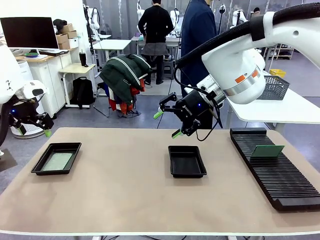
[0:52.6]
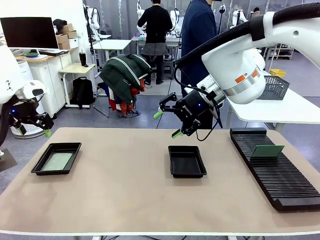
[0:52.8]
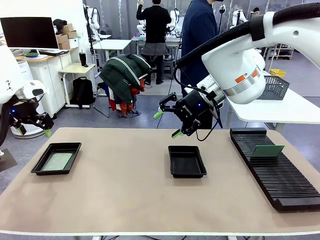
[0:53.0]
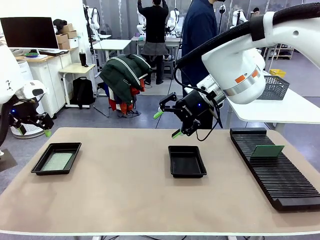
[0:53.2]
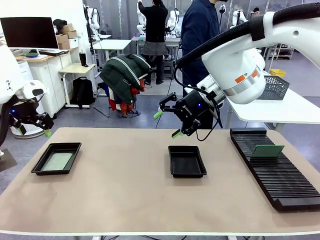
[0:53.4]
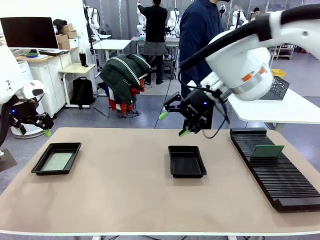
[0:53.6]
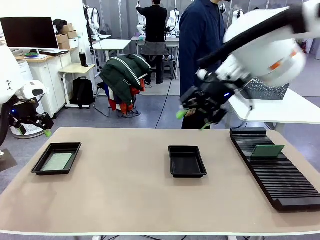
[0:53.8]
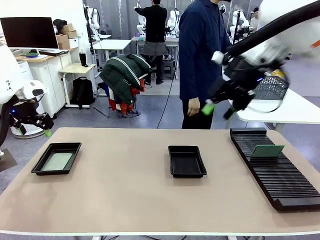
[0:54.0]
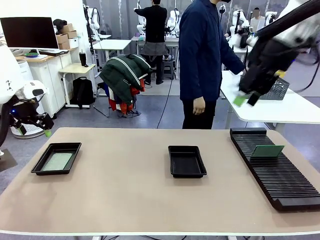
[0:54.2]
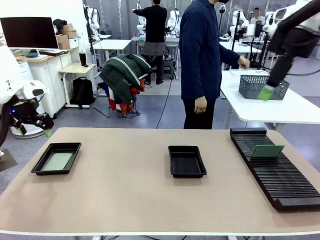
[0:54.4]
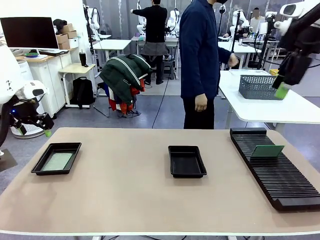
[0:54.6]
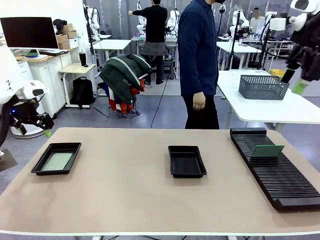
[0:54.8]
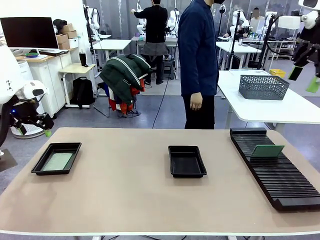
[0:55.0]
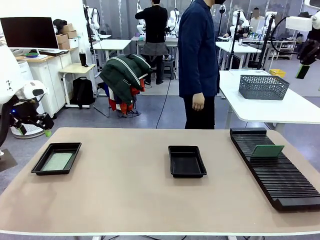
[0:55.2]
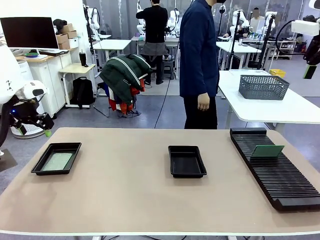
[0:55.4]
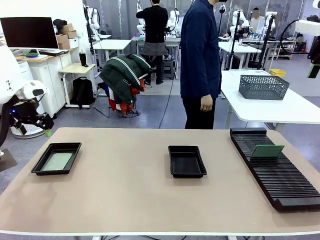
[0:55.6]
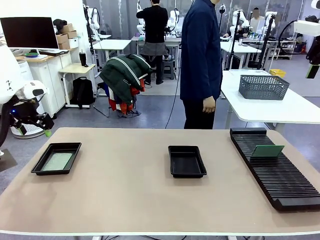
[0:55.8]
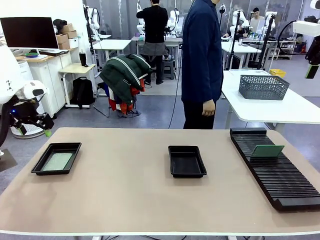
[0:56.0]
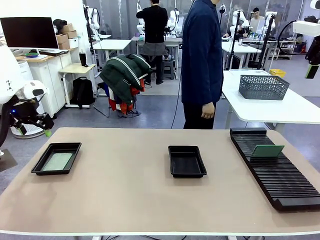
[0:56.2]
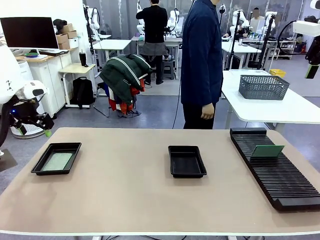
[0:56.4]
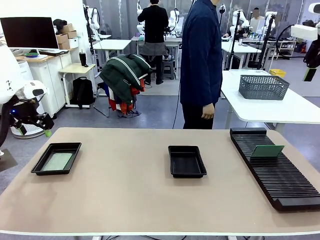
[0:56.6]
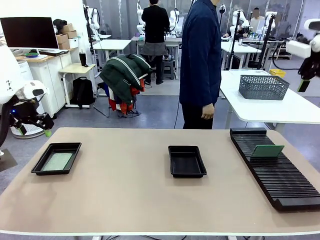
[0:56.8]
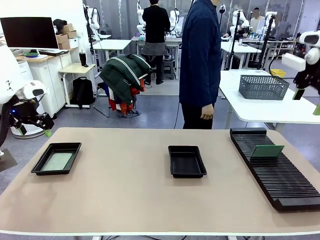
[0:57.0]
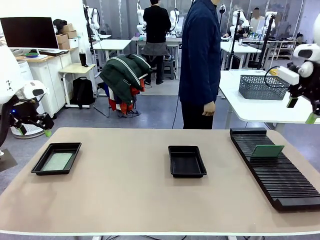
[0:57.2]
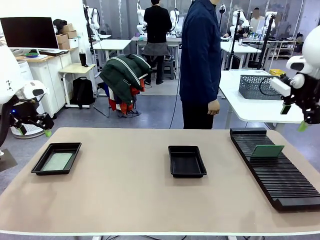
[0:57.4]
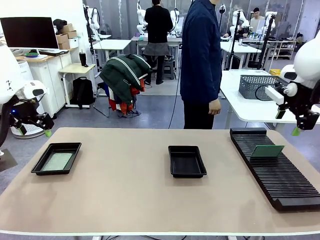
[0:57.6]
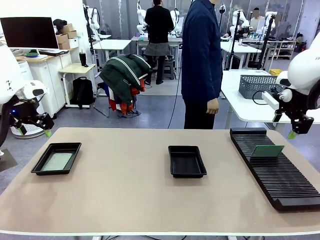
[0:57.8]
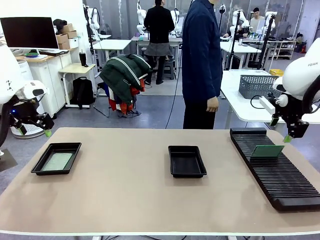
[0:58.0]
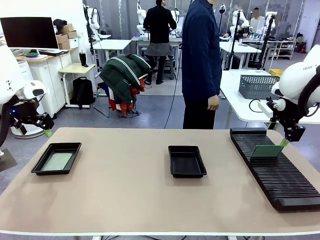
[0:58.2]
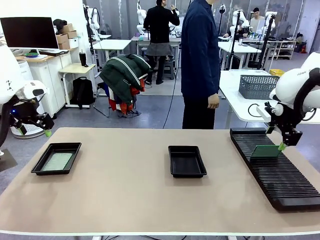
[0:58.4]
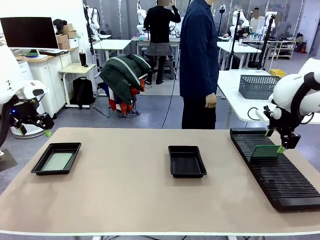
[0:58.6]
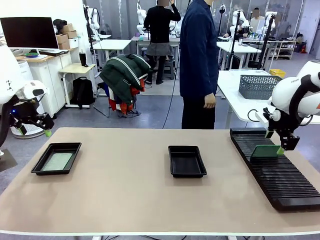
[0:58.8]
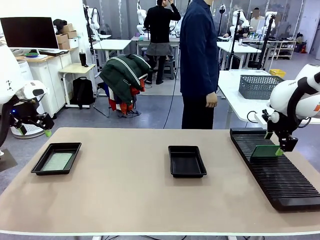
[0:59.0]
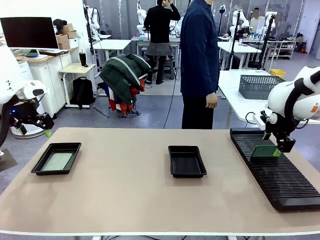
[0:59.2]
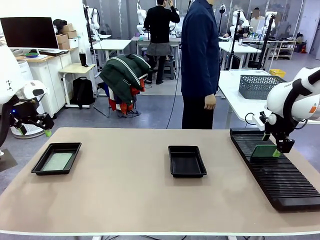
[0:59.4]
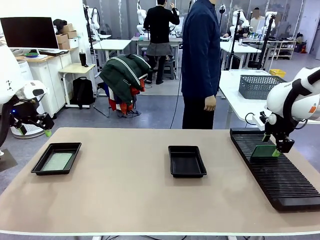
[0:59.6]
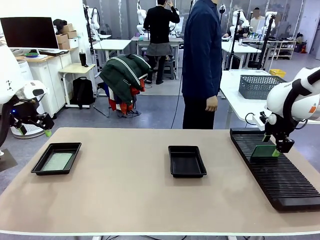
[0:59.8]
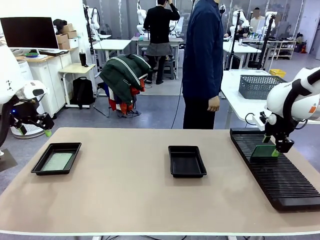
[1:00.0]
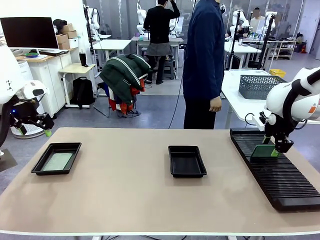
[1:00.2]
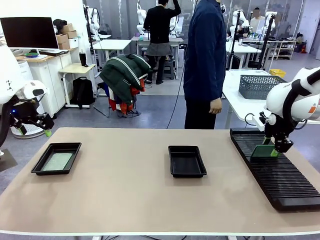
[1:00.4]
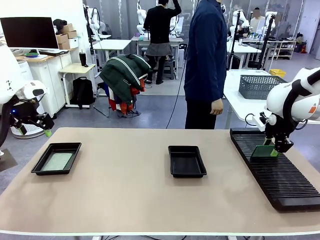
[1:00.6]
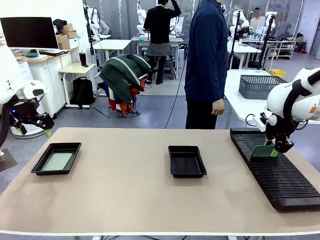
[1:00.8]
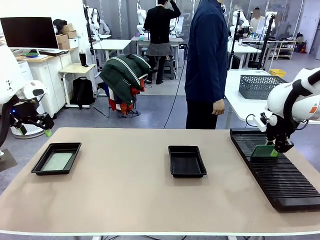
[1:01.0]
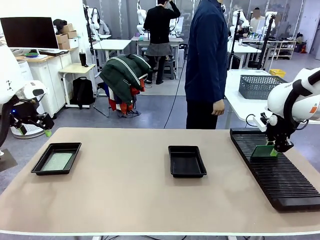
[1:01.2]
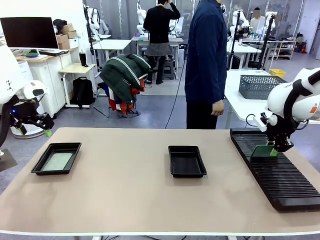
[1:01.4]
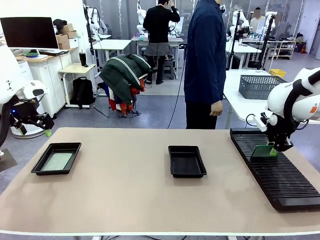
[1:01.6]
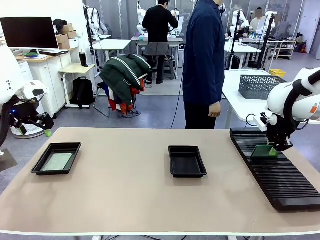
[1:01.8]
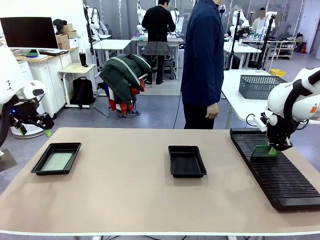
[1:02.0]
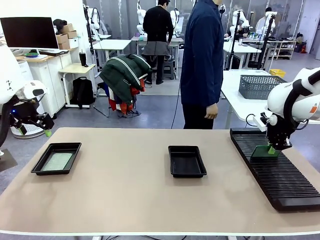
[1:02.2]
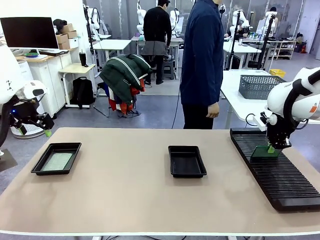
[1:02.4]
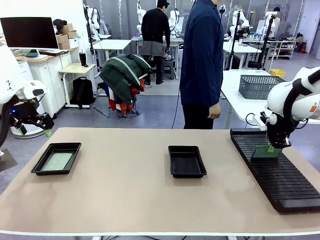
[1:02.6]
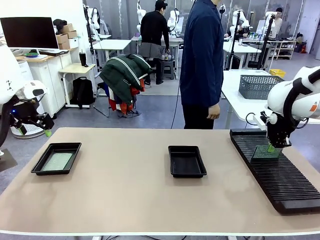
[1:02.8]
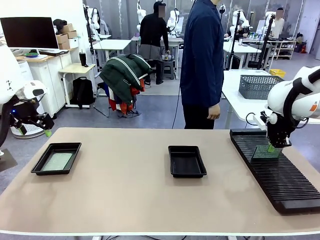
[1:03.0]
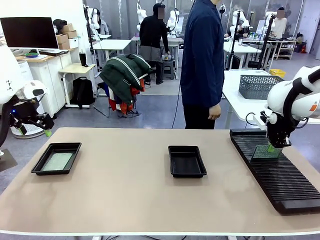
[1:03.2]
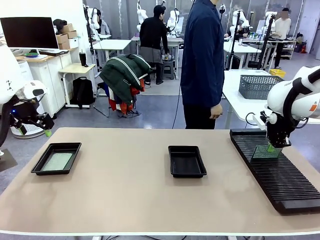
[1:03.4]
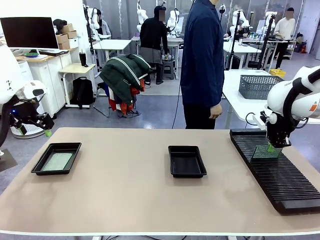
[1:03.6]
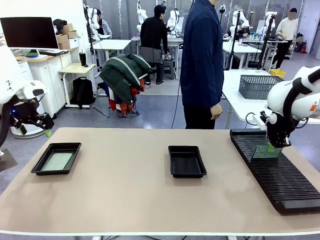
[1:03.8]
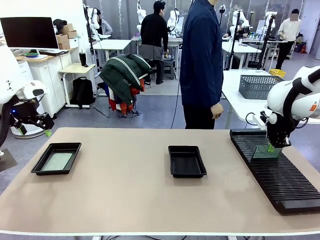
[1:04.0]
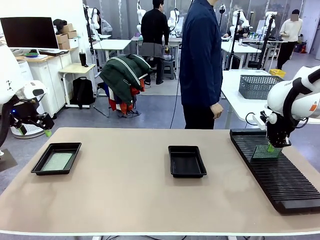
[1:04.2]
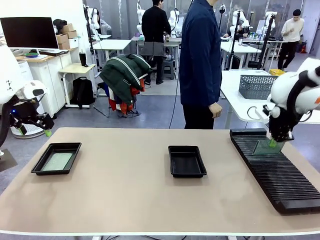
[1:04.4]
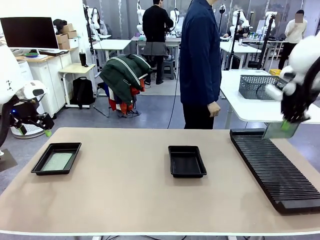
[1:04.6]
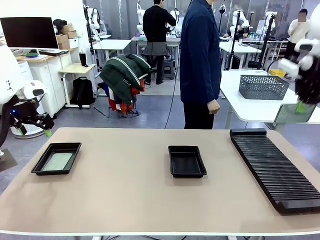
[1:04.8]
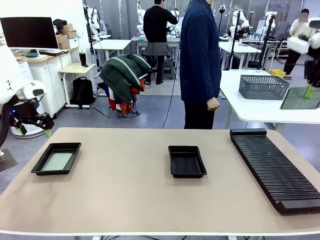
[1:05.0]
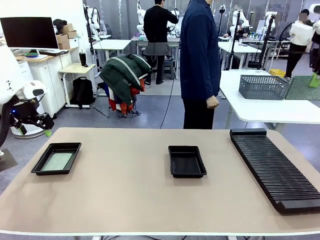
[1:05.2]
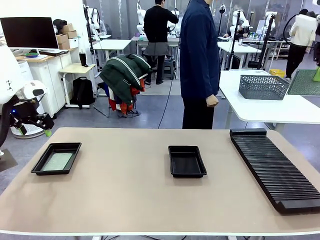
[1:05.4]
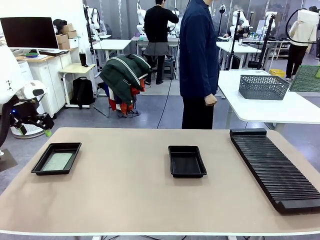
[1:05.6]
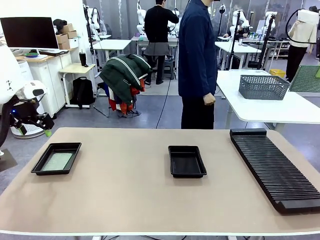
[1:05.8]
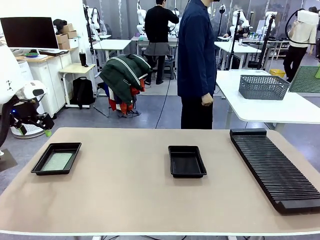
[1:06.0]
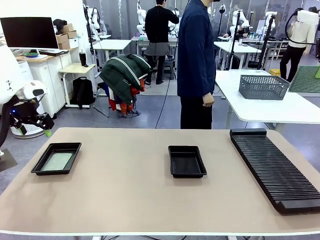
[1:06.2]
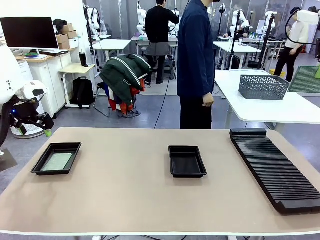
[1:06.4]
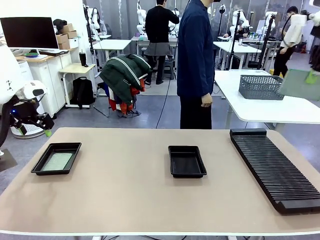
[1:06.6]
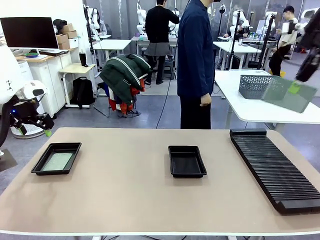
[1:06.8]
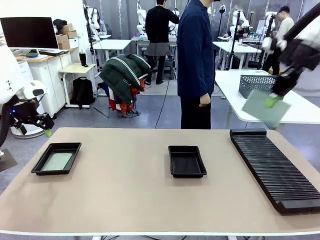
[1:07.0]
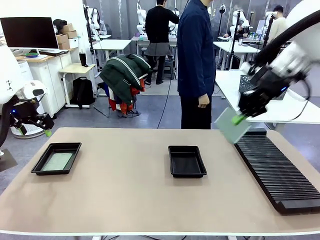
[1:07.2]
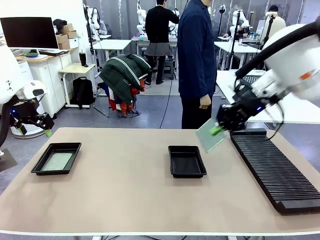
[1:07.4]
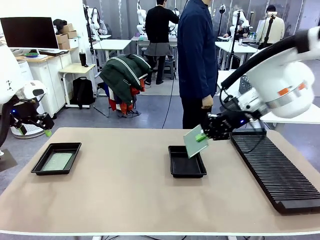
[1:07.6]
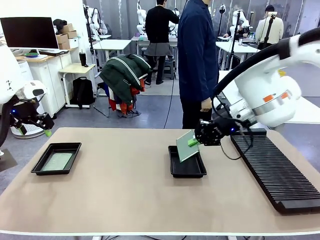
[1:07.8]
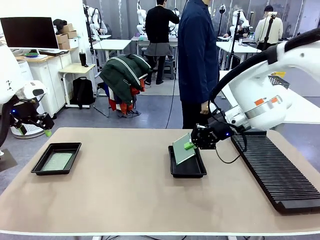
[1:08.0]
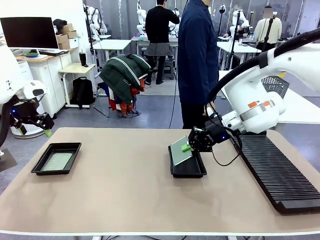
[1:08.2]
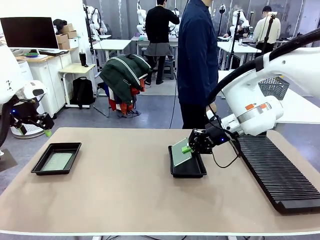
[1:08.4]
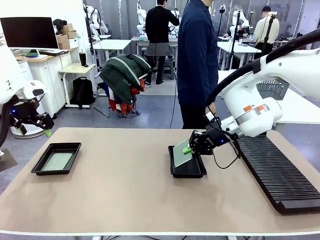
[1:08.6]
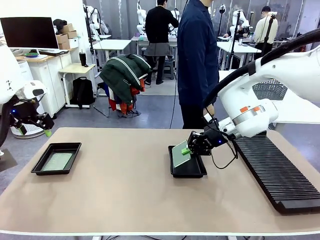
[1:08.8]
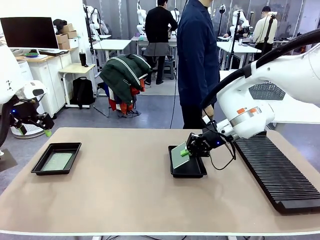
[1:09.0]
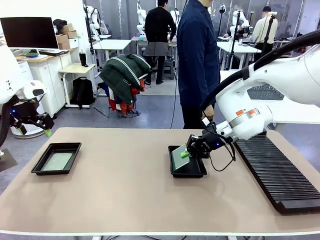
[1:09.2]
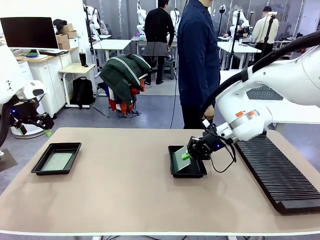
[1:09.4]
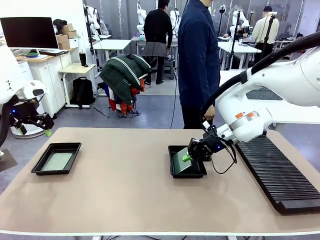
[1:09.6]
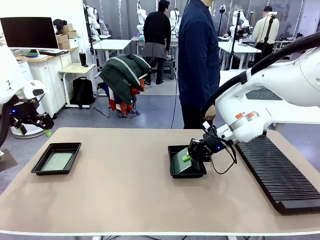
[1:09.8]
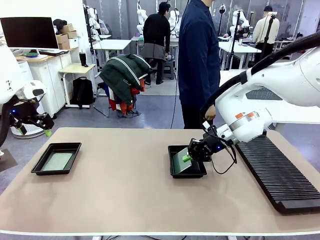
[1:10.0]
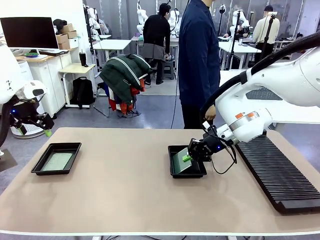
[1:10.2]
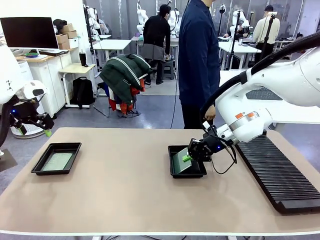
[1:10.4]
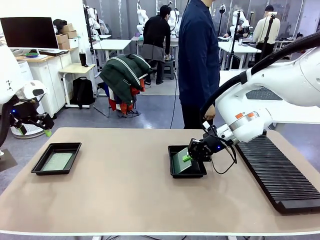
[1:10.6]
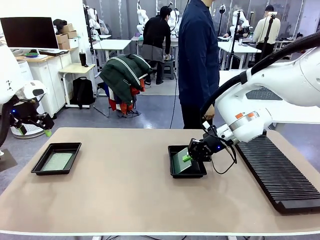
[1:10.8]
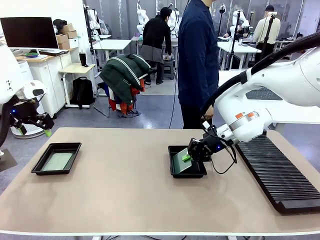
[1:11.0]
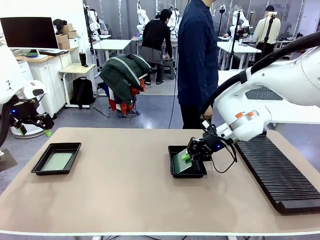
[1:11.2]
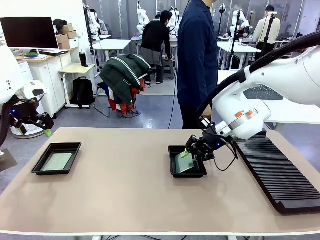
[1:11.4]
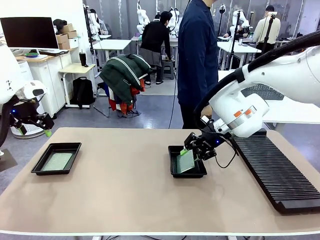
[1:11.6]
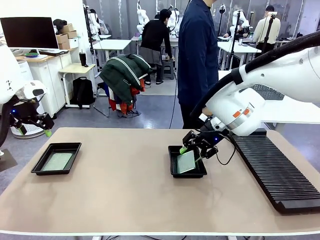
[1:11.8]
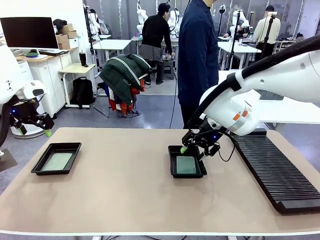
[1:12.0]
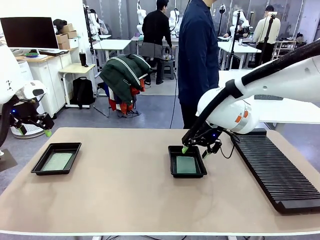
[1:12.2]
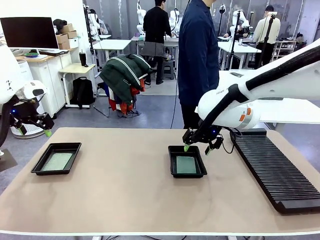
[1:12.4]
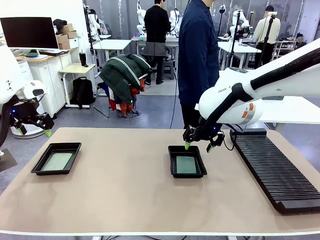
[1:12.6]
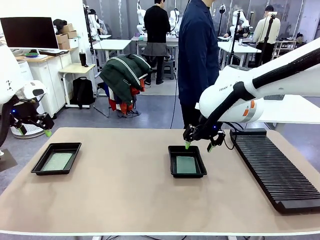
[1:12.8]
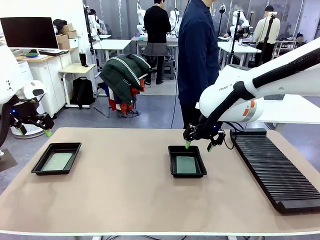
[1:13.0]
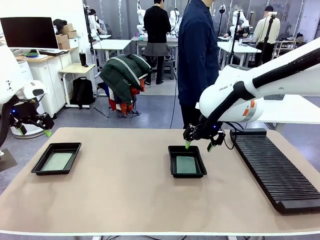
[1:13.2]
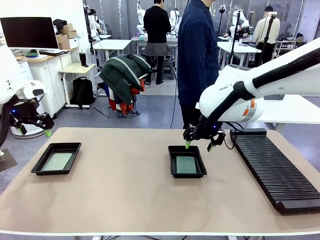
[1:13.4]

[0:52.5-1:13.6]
Task: Inspect and transfer BCBs to ESD trays.
Robot: Pick up the Blank PCB from the PCB Rack and place it in the right ESD tray.
